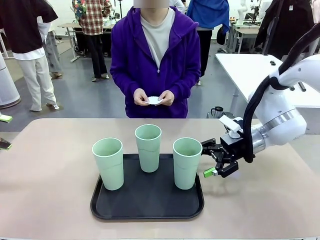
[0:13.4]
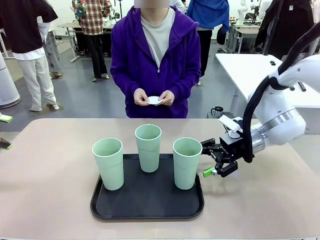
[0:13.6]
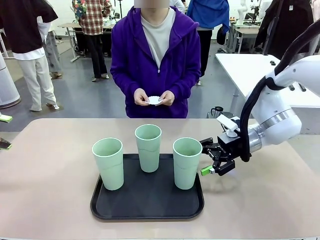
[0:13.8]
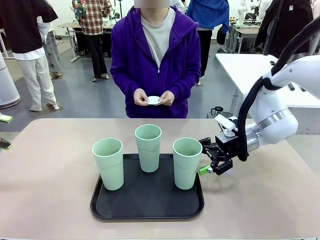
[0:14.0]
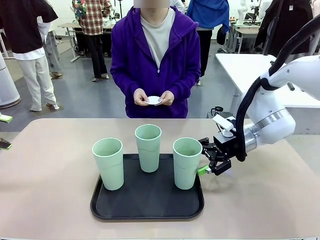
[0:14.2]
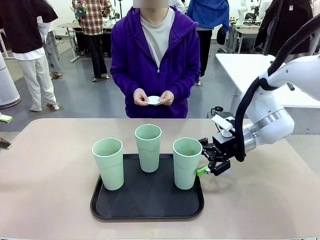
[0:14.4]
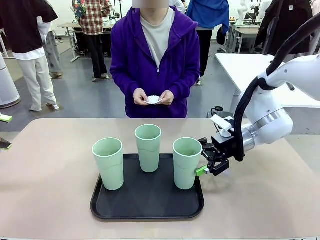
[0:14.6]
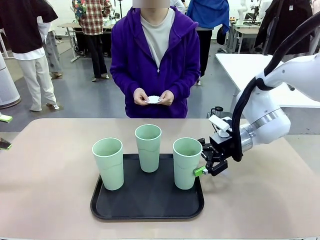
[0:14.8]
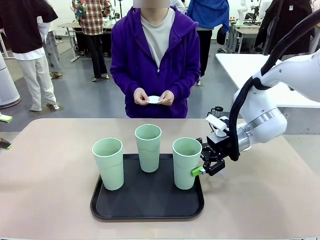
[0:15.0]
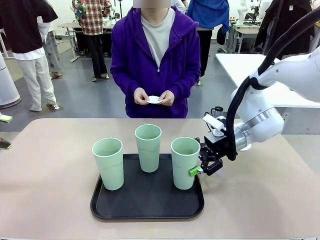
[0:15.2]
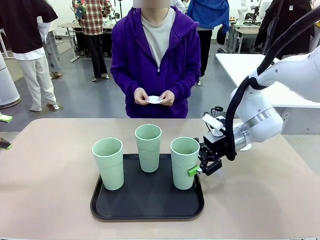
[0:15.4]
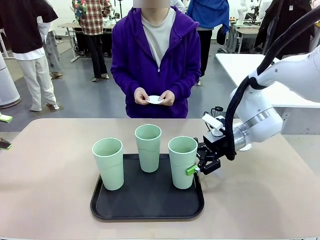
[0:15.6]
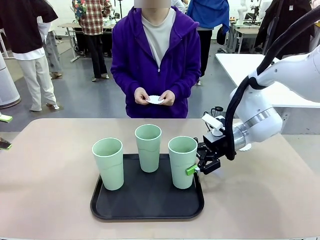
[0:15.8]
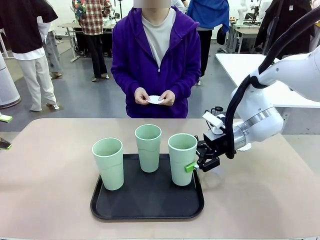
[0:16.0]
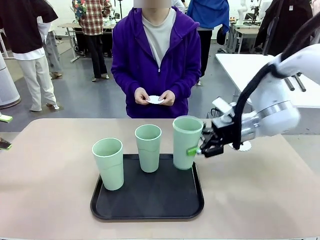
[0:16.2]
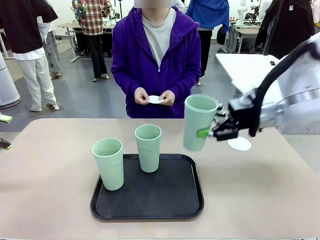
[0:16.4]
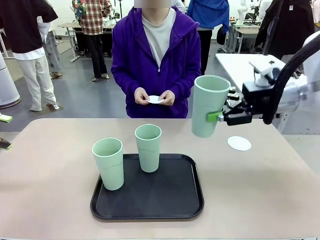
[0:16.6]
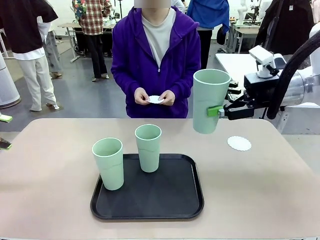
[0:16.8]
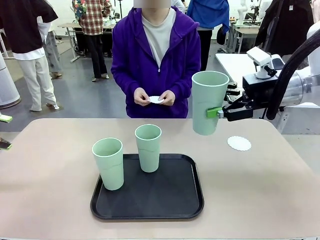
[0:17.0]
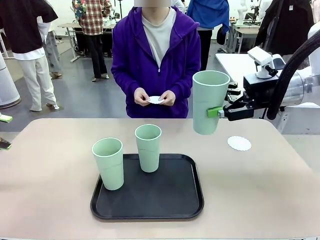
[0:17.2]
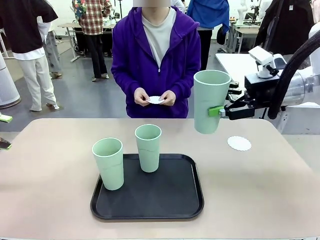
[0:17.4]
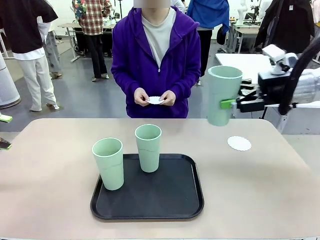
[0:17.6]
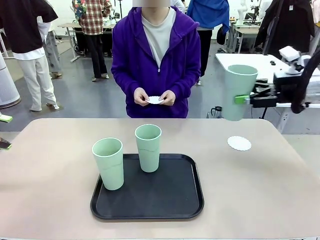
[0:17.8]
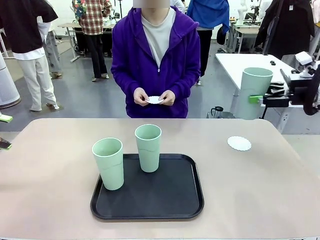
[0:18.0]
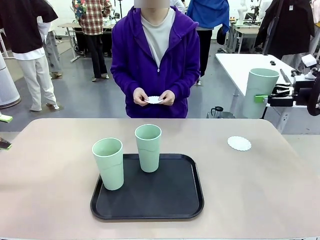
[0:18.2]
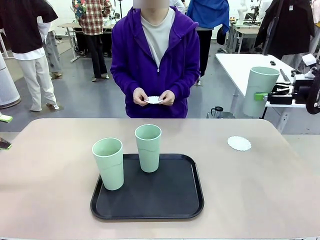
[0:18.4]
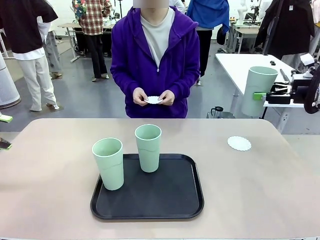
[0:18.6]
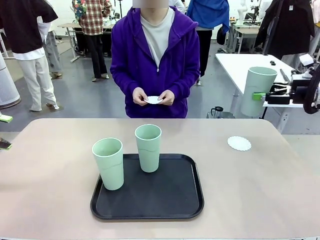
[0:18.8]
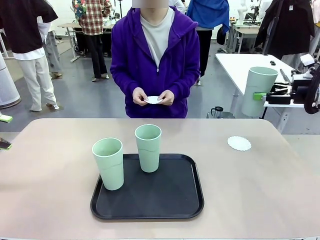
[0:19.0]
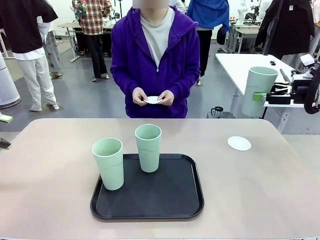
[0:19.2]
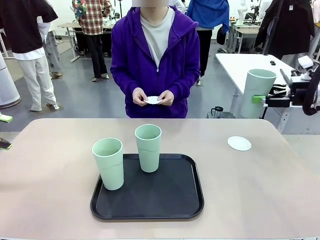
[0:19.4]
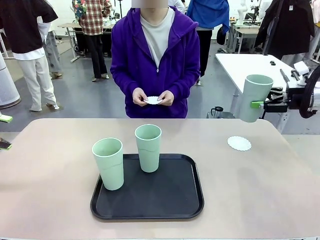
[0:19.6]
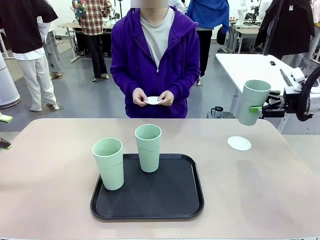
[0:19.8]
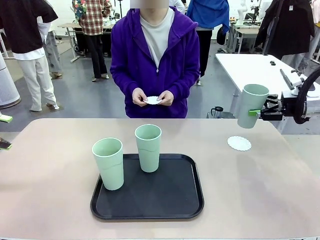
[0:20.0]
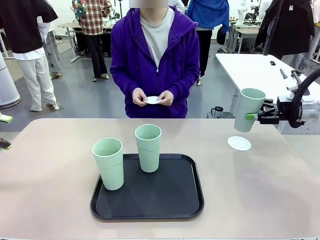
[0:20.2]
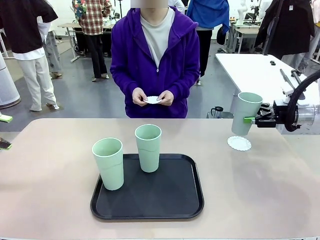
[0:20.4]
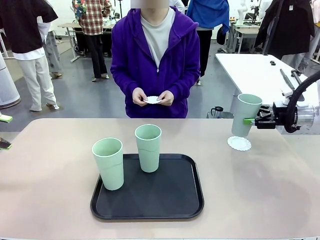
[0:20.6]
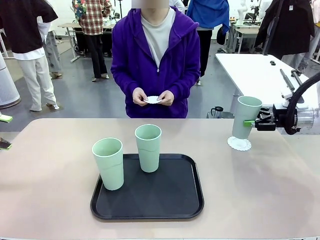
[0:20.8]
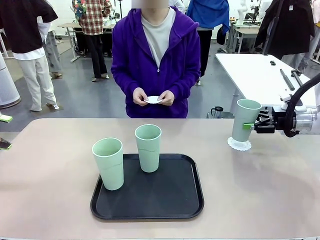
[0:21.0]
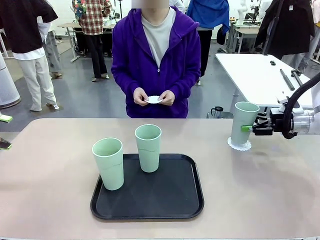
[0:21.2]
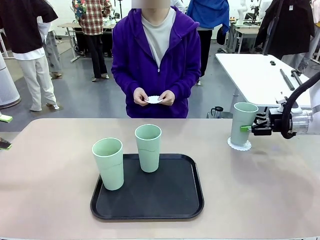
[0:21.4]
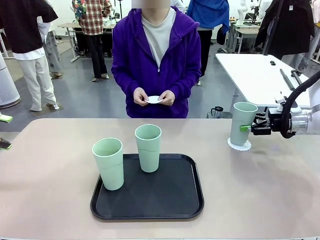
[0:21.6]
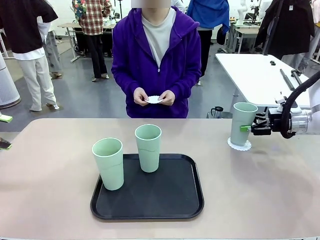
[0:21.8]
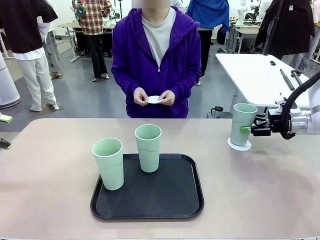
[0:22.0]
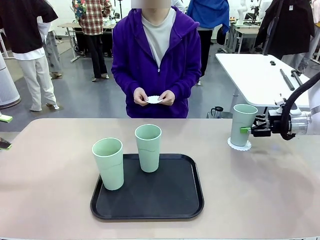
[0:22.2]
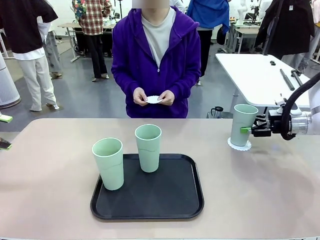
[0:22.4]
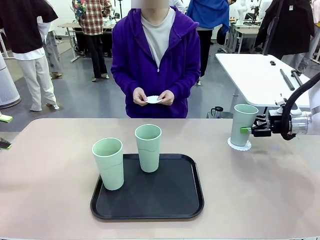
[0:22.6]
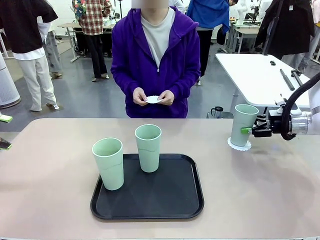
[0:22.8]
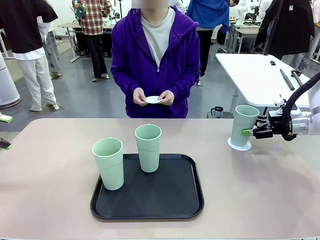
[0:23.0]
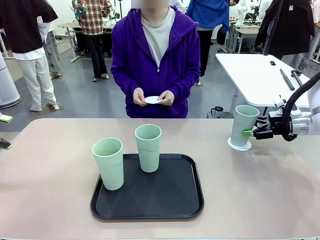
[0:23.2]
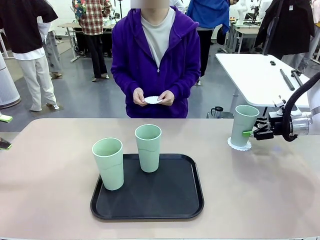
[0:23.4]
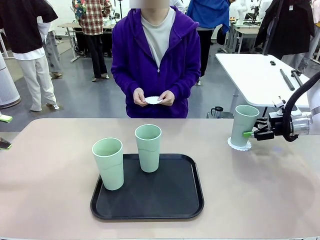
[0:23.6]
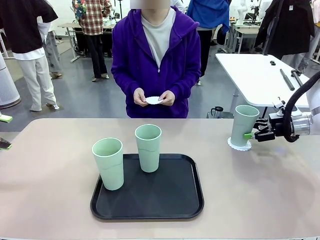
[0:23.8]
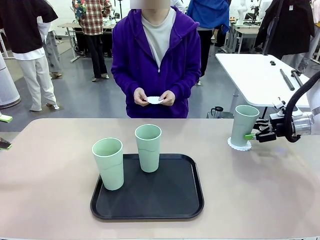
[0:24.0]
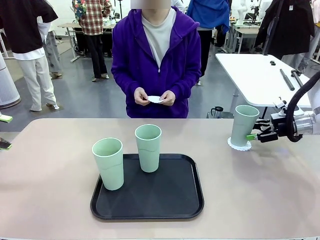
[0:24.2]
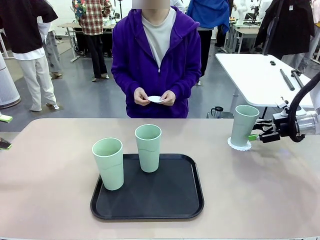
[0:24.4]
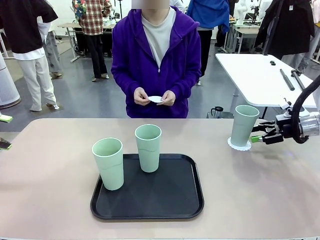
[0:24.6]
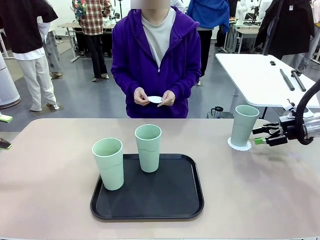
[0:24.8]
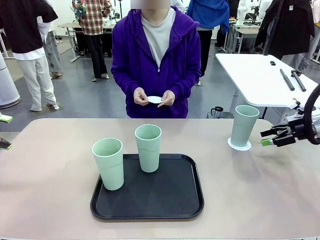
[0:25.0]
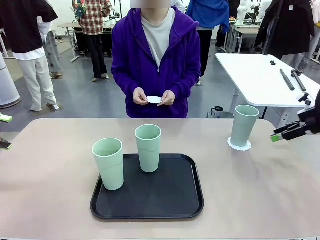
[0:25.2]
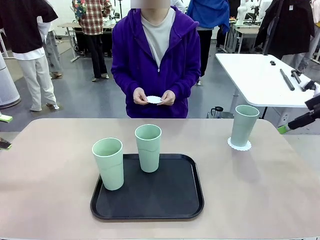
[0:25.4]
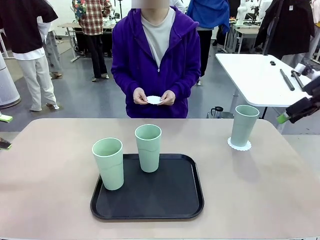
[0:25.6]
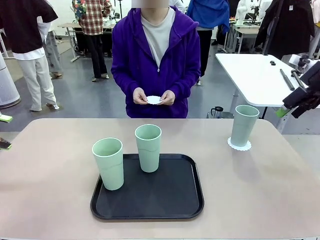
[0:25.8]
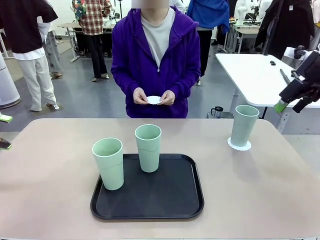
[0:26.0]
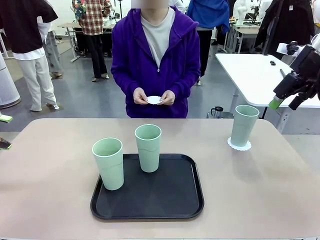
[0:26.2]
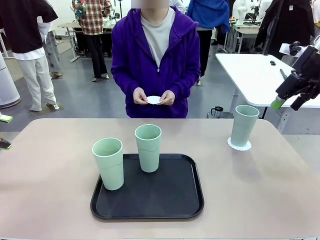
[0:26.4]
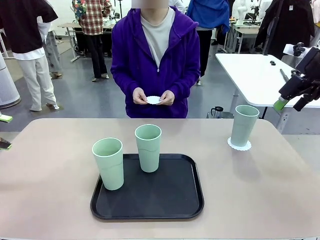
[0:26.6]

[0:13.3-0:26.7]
Task: Place coasters on the table and set cups on them.
Robot: Pick up one Reusable plastic cup and place it on a coaster set by the human.
Person: Place one coaster in one of the two areas excluding the previously selected area.

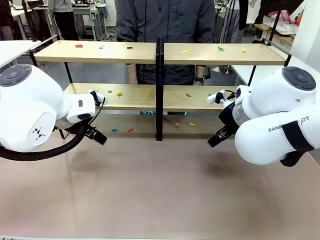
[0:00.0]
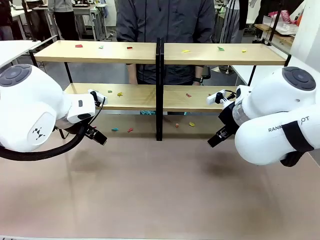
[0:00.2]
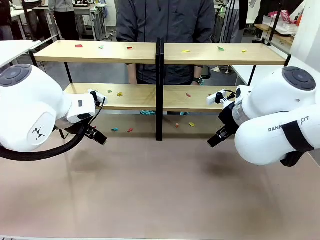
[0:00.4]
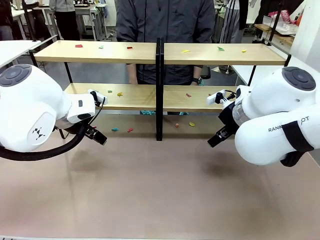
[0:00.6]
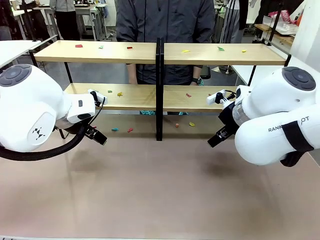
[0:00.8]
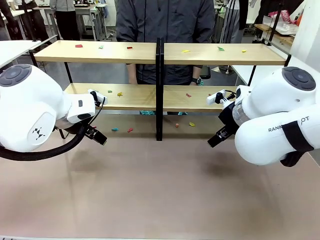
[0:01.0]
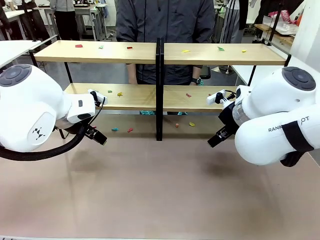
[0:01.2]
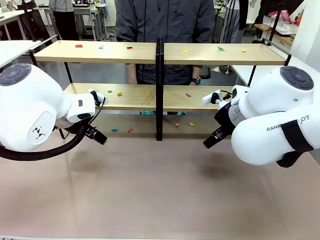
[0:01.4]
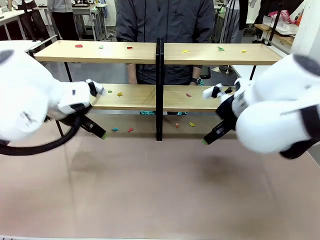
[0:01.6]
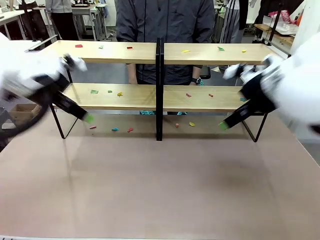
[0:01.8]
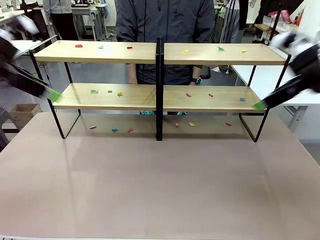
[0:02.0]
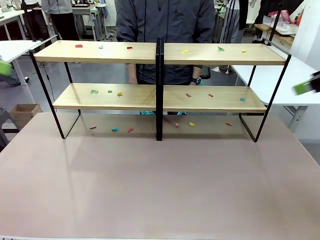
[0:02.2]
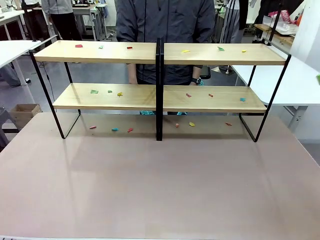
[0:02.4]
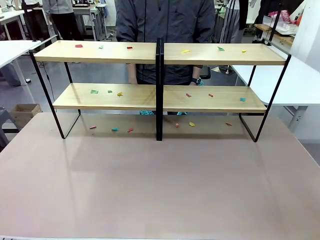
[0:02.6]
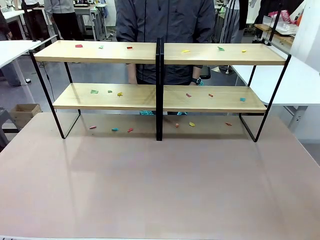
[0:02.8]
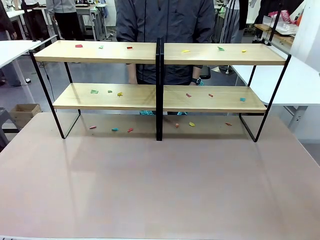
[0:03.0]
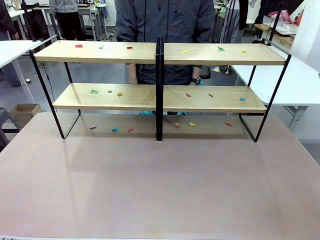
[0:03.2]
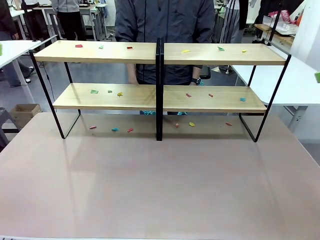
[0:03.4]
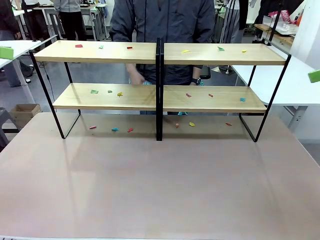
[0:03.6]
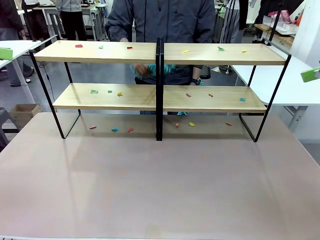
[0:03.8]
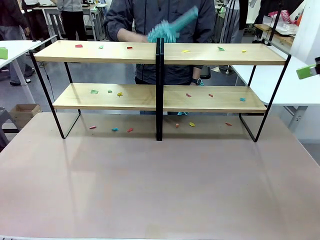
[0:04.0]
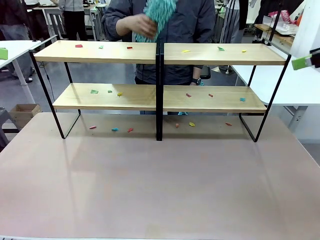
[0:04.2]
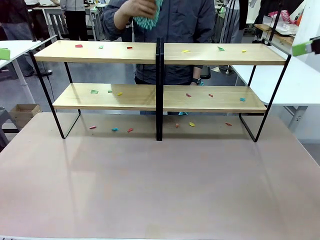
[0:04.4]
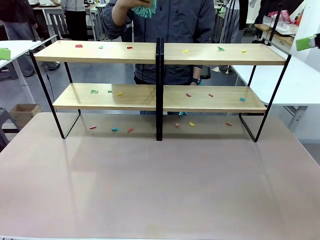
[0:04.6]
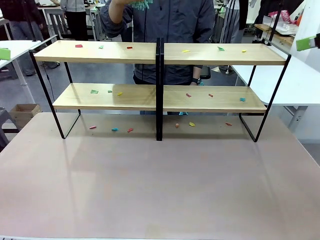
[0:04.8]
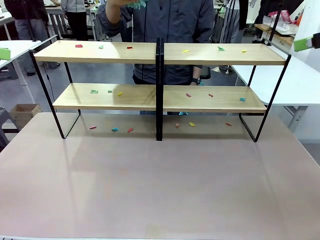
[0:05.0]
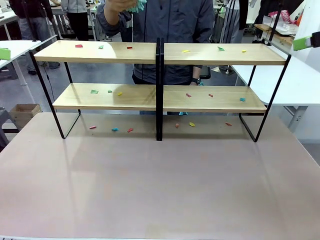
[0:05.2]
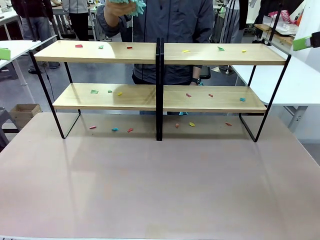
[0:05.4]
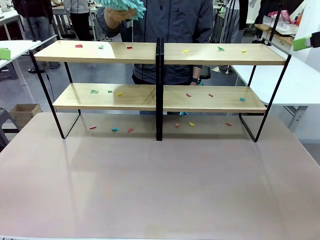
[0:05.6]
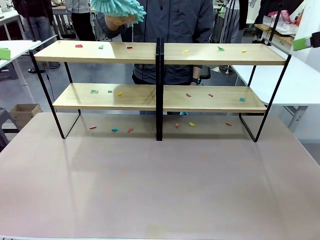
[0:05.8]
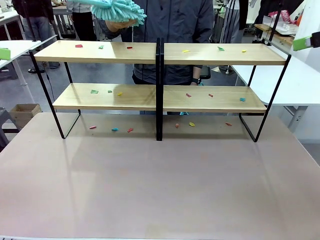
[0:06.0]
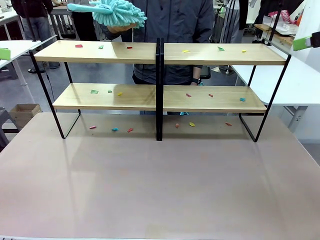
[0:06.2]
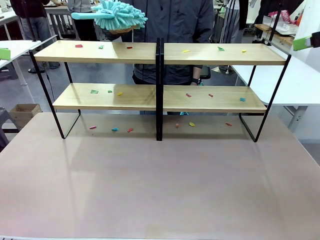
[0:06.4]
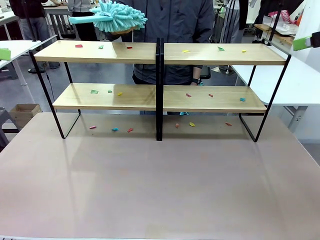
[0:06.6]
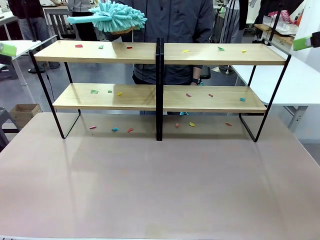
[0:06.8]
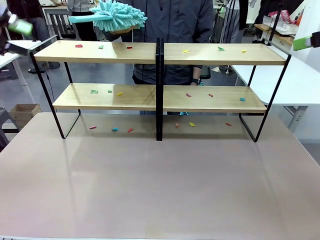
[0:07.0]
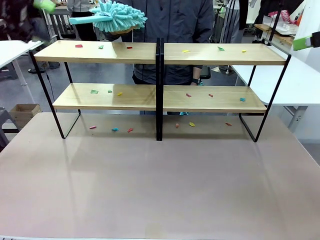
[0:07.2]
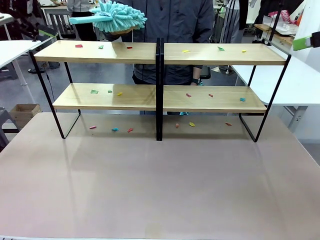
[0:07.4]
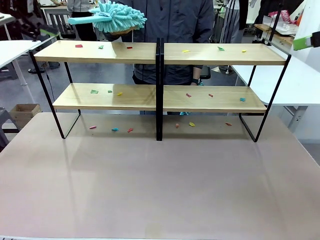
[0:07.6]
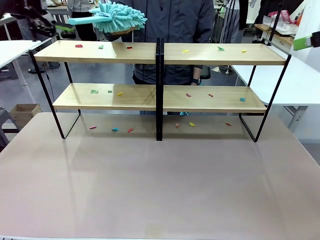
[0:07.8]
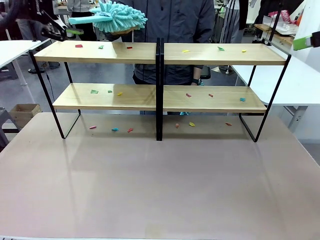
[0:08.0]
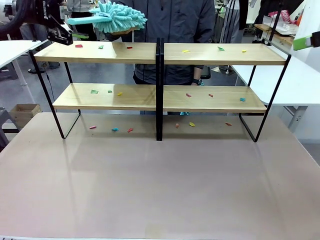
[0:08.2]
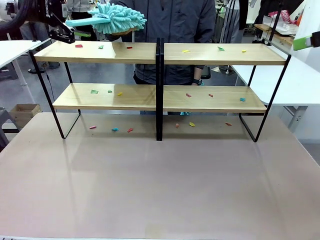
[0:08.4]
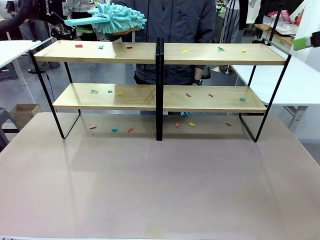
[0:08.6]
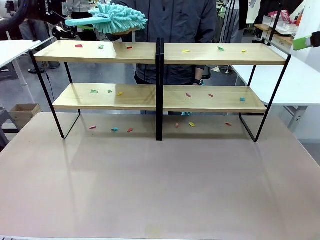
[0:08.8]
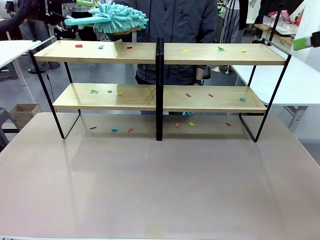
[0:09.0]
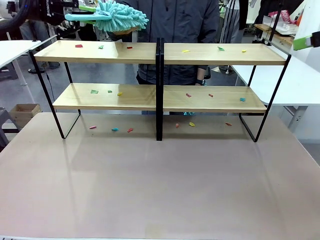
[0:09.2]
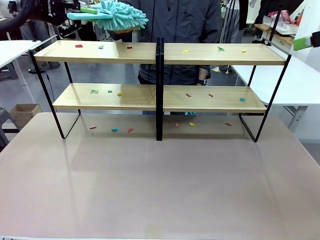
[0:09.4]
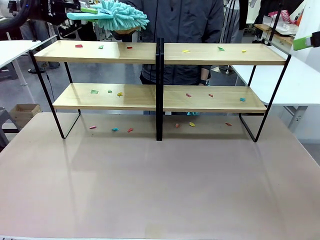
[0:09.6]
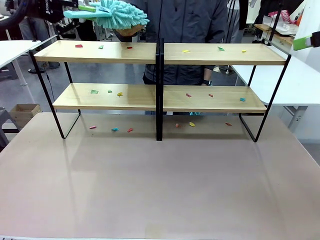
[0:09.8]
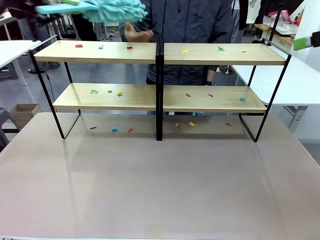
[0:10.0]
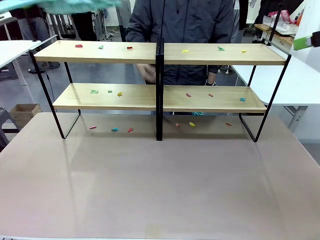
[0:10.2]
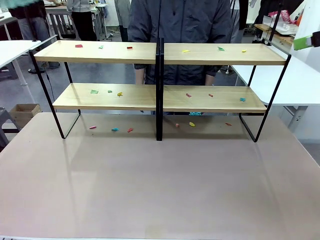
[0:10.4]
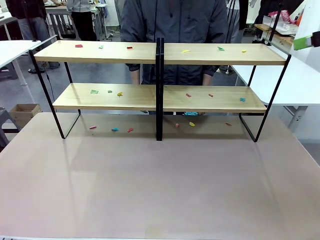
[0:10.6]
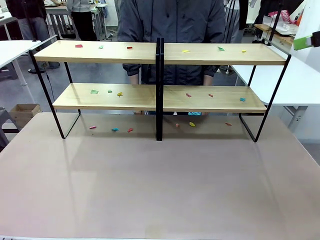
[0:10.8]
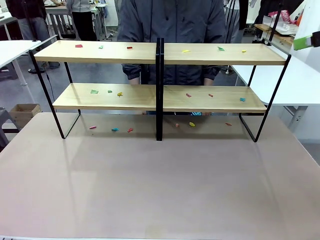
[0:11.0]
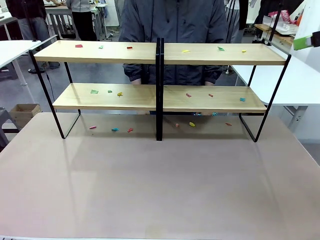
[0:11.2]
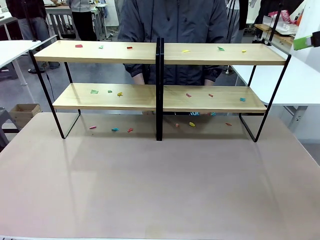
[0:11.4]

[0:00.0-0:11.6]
Task: Clean the shelves.
Robot: Pick up the Duster when the human hands it over.
Person: Hand the Duster to the robot with your right (or left) hand.
